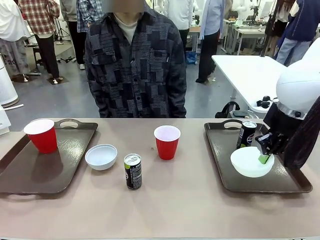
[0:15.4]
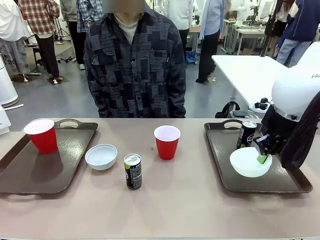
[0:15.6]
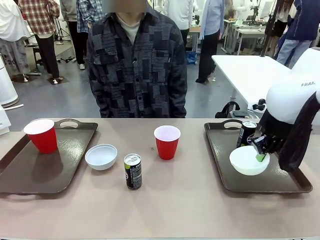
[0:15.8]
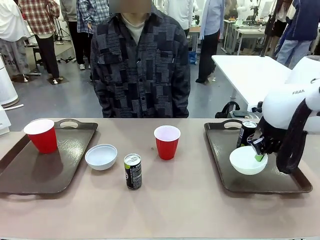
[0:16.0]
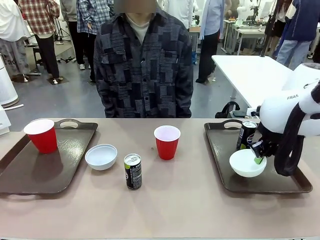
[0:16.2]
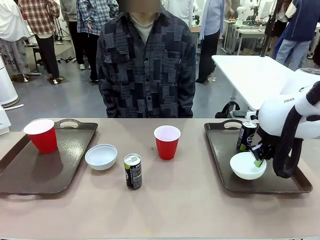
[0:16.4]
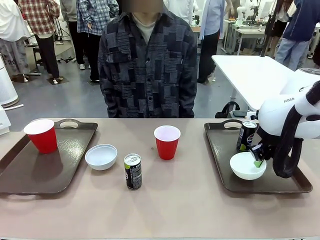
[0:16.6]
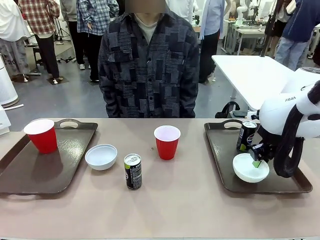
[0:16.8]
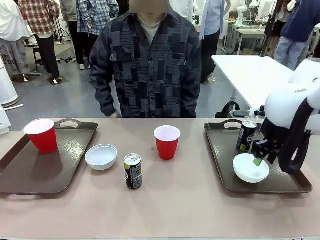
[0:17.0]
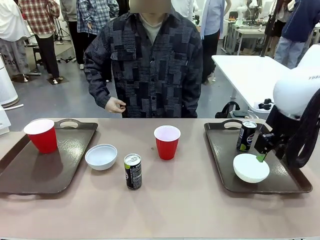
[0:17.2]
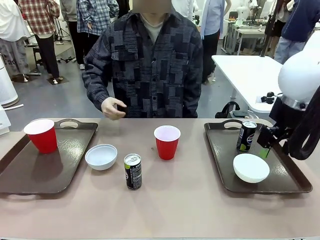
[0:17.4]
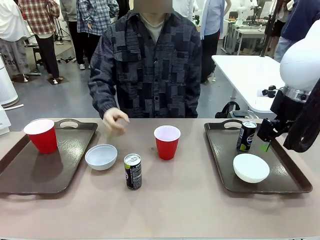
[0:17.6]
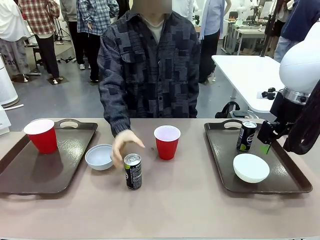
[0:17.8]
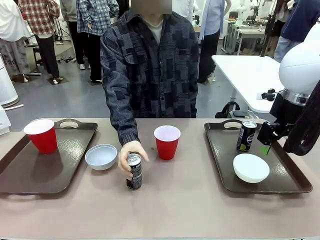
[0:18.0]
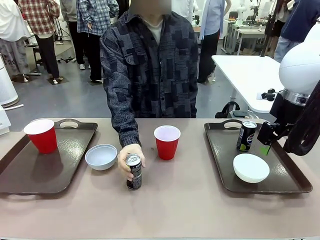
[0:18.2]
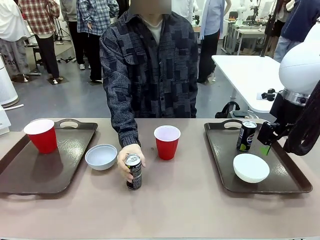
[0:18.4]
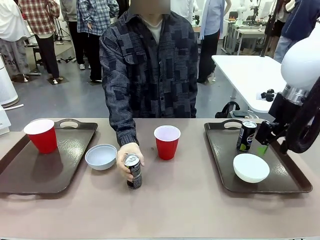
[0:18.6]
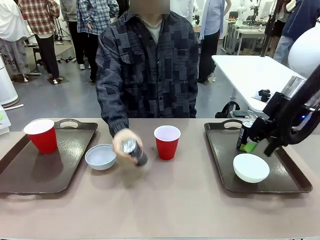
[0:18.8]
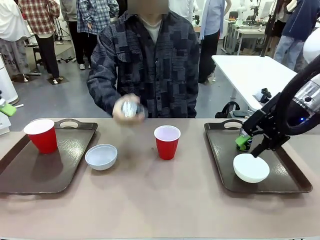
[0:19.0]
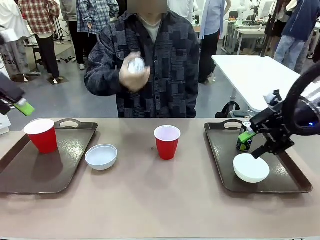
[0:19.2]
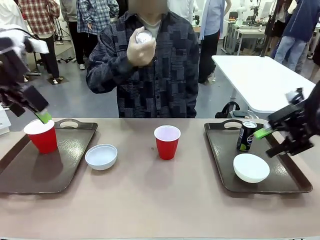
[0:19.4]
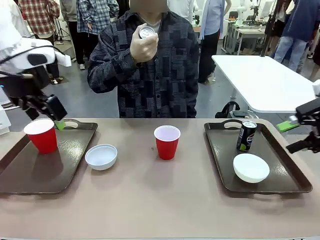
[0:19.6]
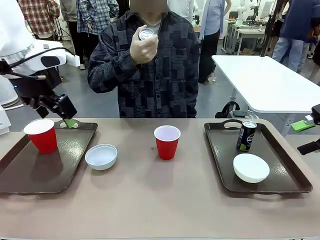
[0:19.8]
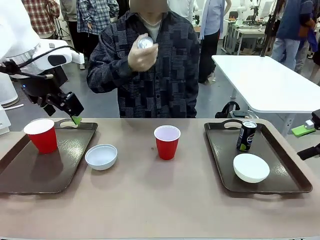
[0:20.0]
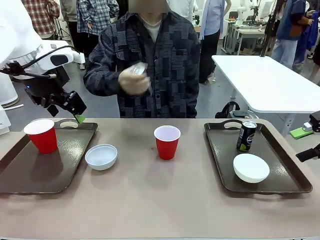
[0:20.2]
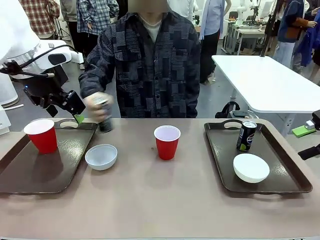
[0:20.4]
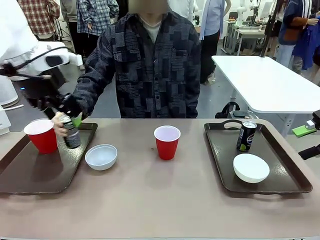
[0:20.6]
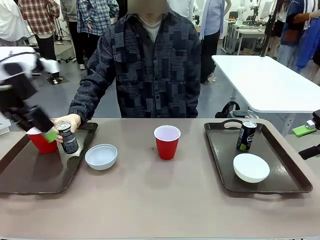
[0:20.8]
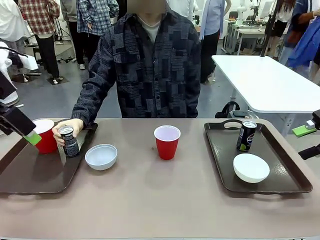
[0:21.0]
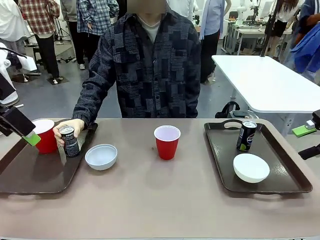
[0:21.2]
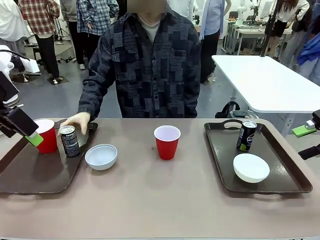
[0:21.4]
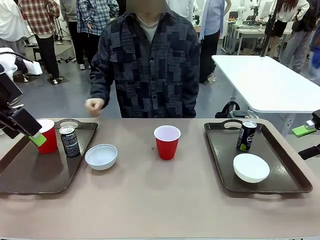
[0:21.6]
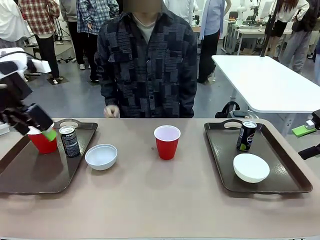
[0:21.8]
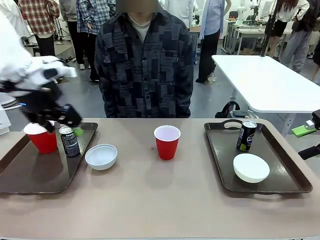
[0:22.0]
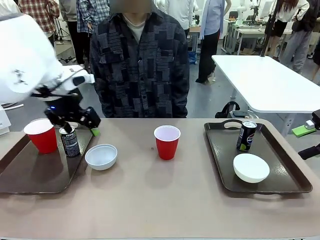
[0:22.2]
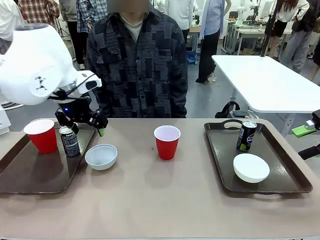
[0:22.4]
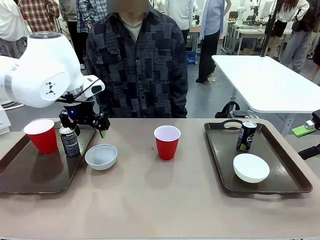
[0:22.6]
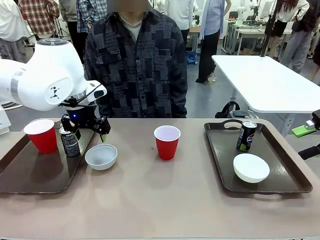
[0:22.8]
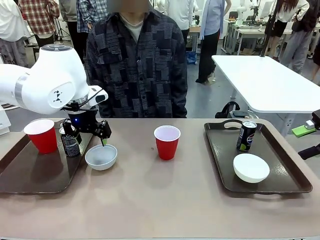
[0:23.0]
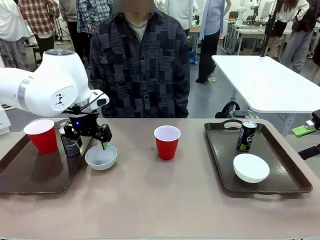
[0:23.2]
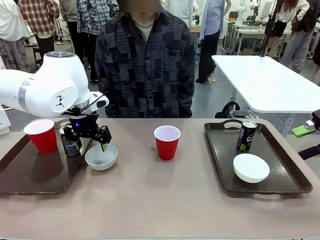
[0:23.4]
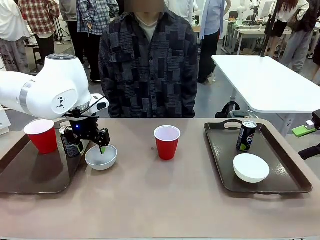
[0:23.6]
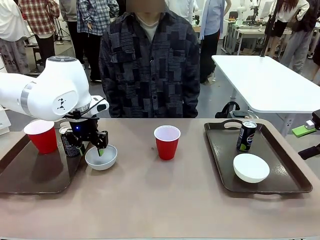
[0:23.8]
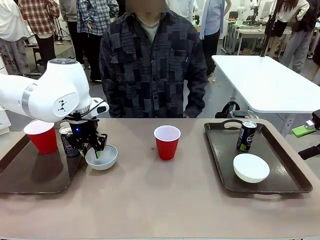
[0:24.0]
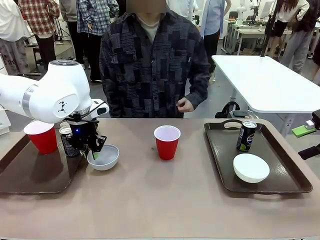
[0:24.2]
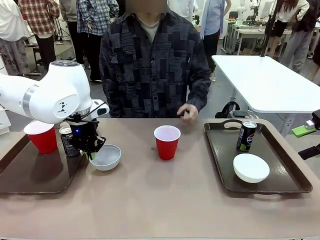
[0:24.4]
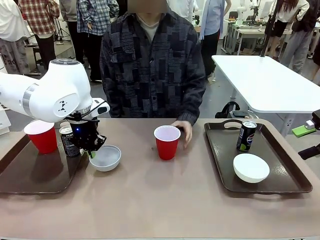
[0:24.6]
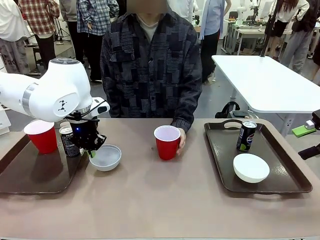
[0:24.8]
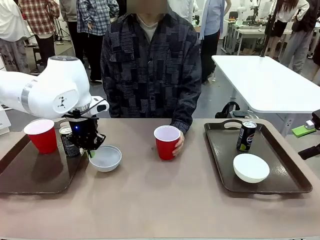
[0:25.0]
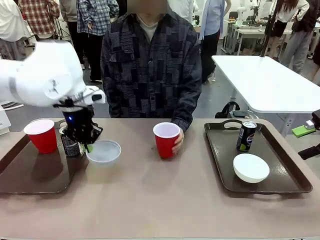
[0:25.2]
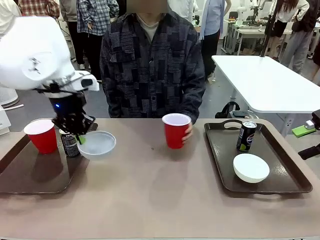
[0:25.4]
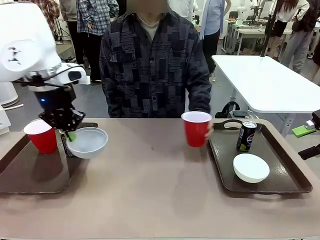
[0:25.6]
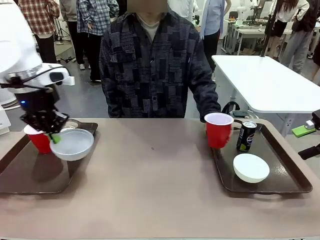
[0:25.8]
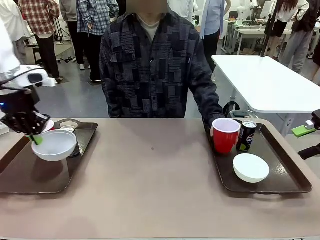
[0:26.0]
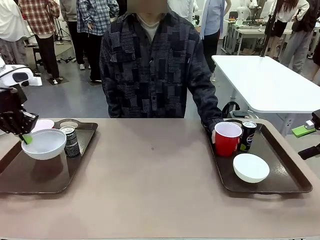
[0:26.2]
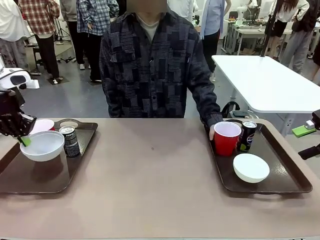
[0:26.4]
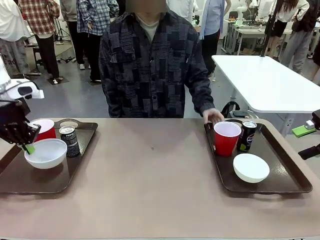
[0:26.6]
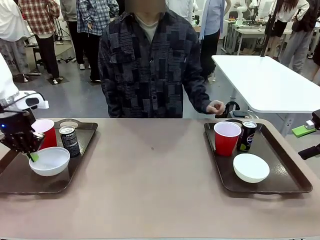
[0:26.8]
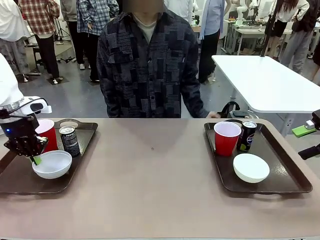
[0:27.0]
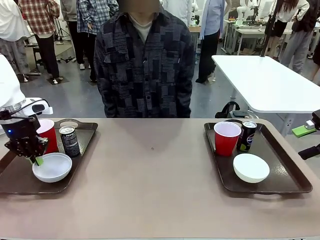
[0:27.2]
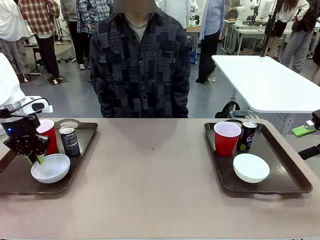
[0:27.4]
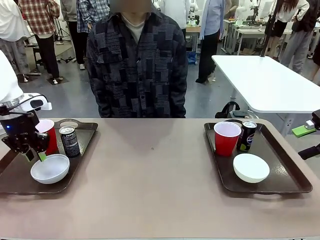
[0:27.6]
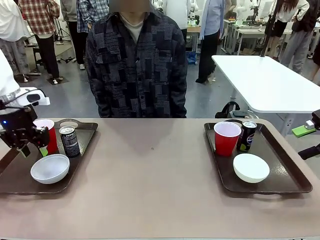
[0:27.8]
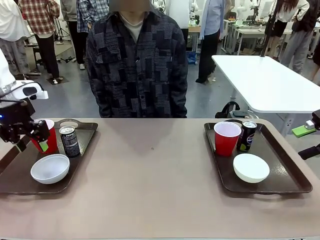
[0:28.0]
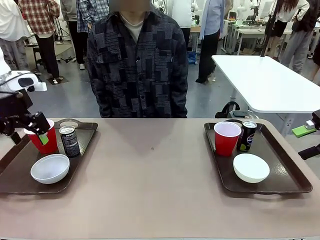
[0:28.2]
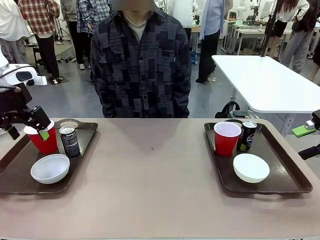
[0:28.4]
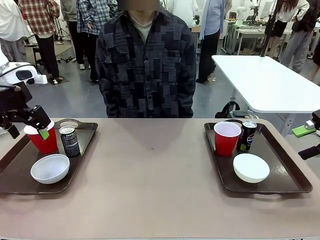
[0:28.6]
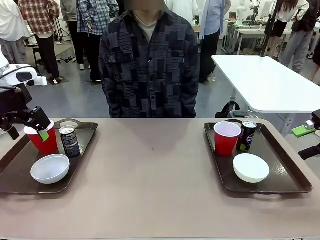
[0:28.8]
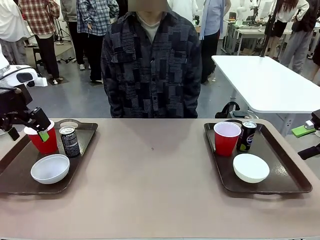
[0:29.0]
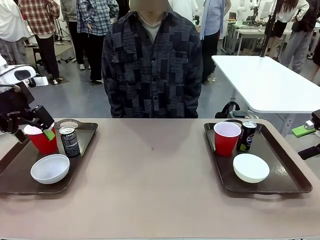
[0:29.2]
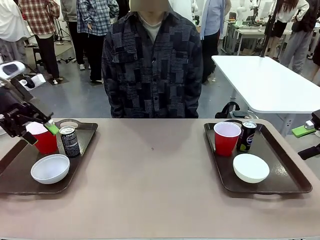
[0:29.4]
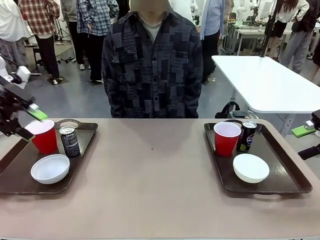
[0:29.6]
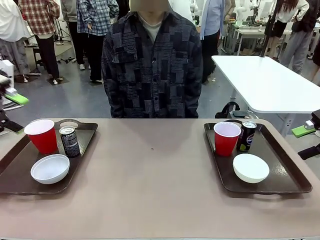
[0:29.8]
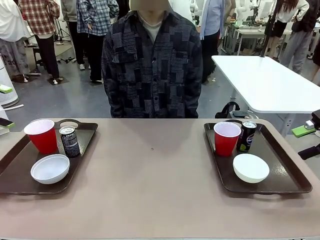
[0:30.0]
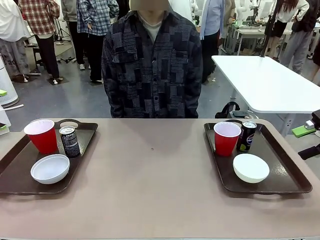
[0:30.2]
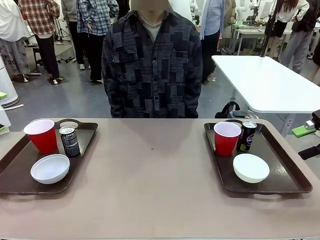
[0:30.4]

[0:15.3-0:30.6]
Task: Prepare tableware on both trays.
Robot: Pick up a Picnic Bowl from the table and place it on a Handle tray.
Person: Pick up a can or cup and place it on the tray without a can or cup.
